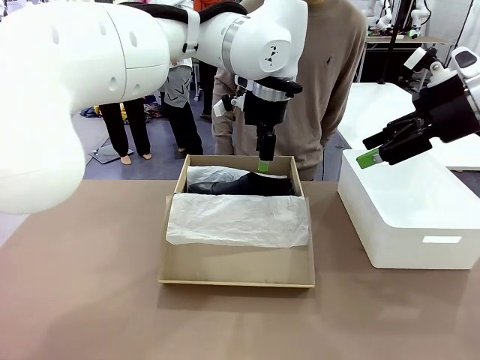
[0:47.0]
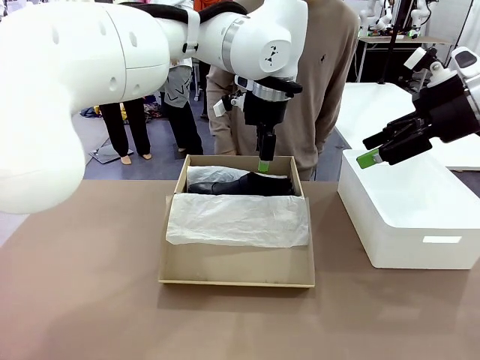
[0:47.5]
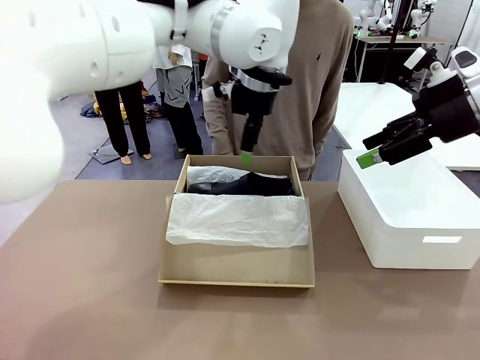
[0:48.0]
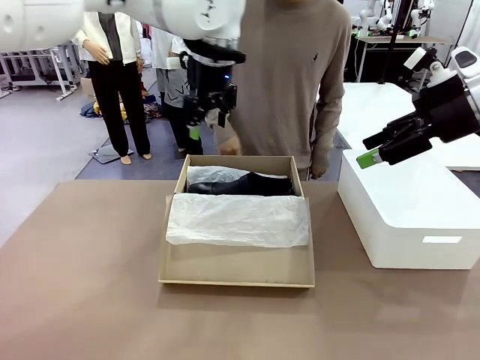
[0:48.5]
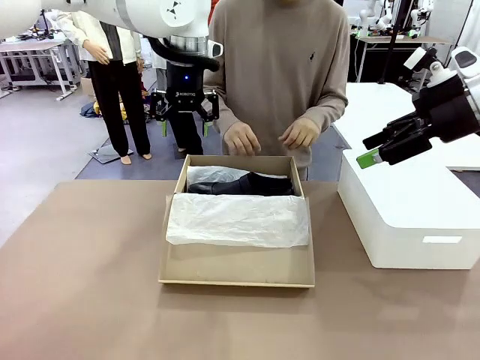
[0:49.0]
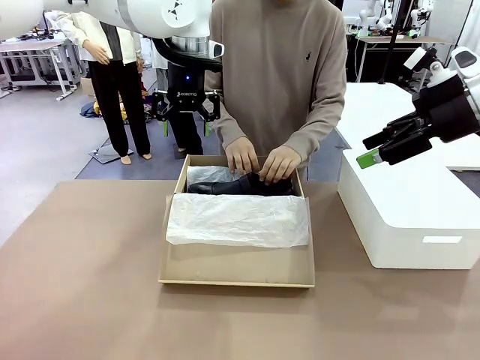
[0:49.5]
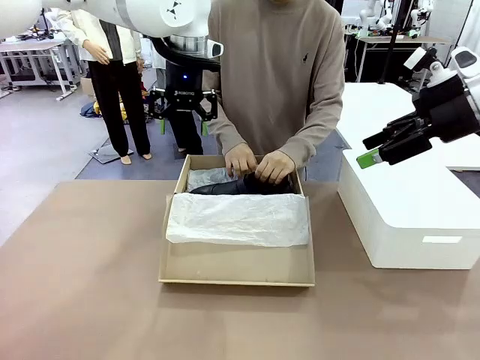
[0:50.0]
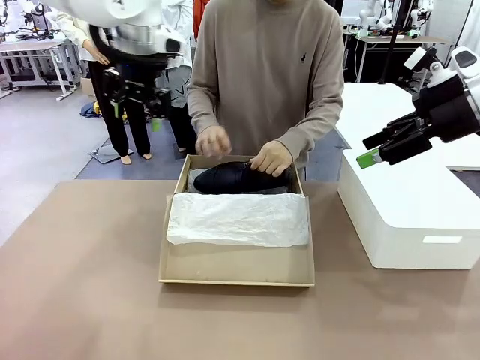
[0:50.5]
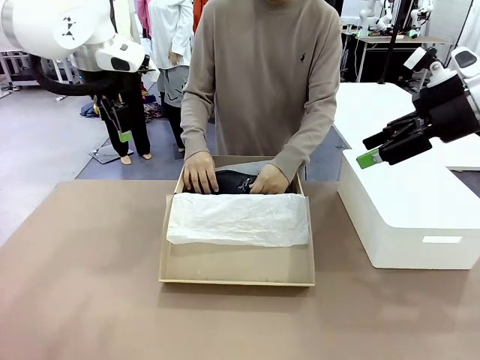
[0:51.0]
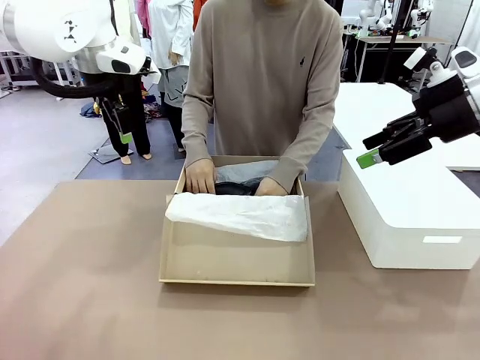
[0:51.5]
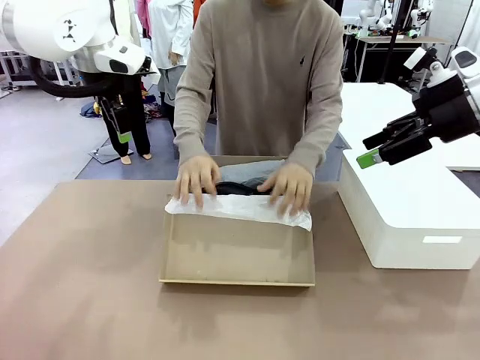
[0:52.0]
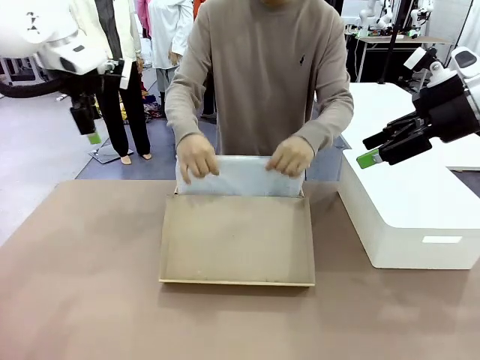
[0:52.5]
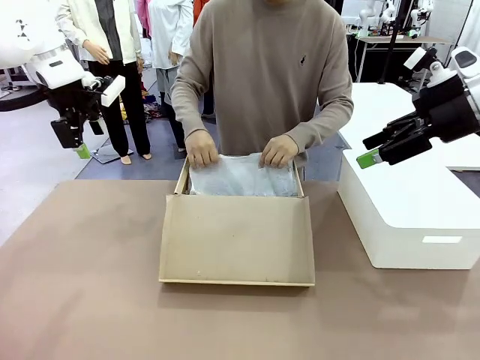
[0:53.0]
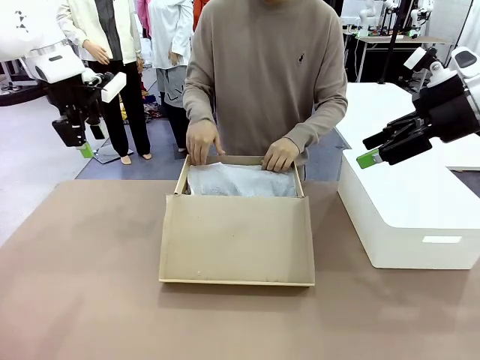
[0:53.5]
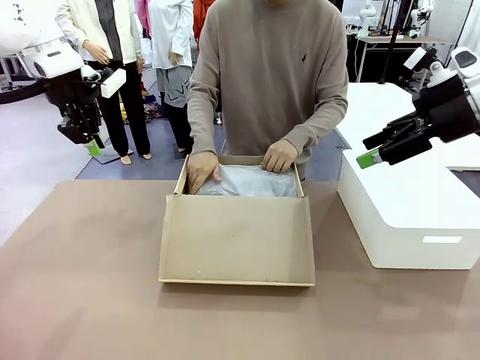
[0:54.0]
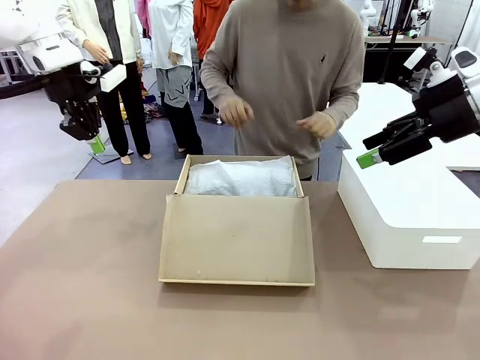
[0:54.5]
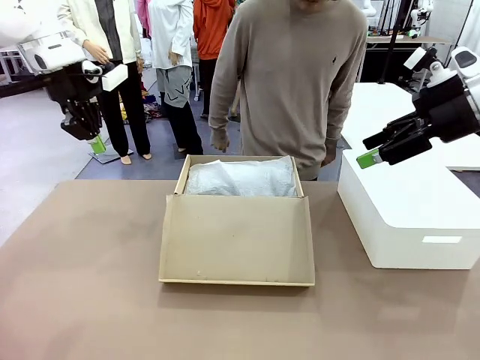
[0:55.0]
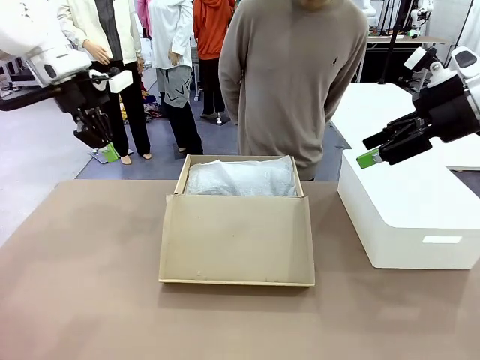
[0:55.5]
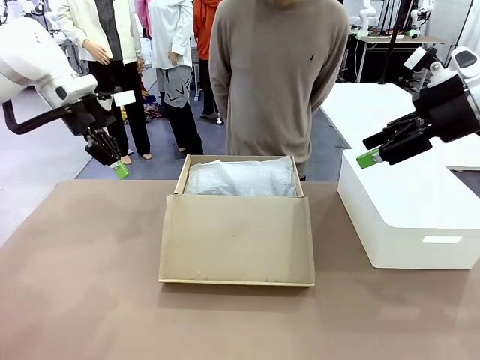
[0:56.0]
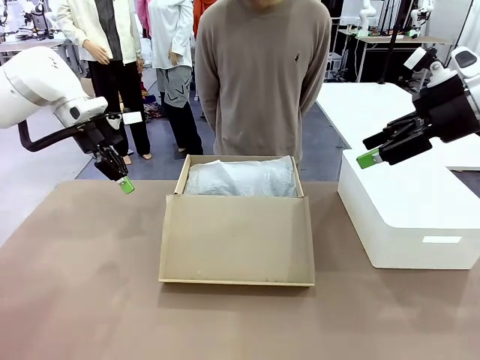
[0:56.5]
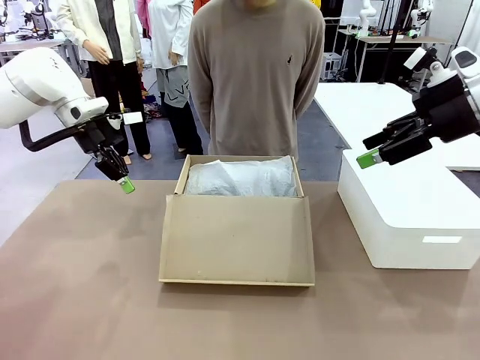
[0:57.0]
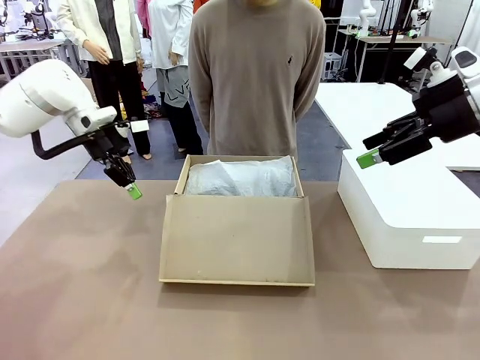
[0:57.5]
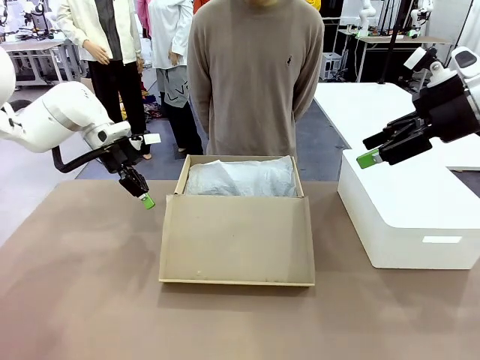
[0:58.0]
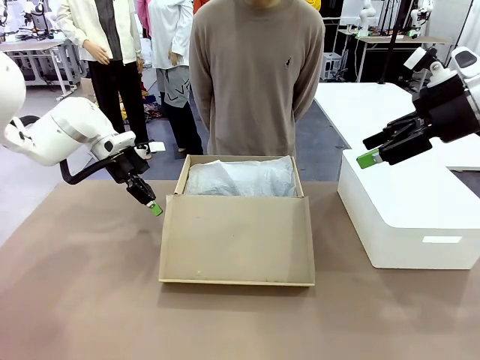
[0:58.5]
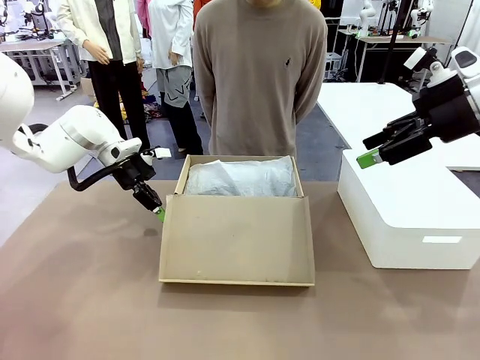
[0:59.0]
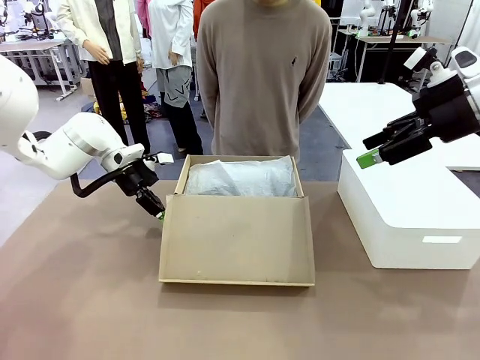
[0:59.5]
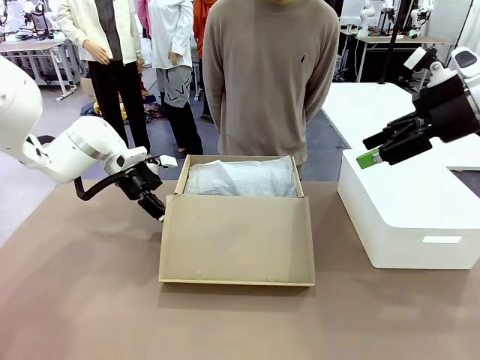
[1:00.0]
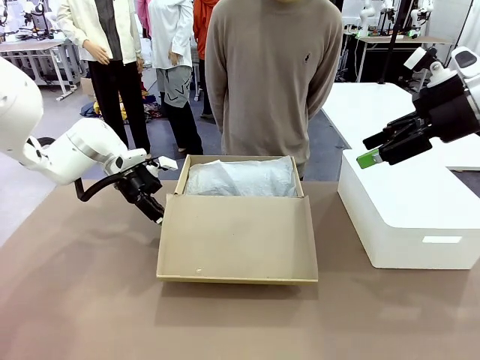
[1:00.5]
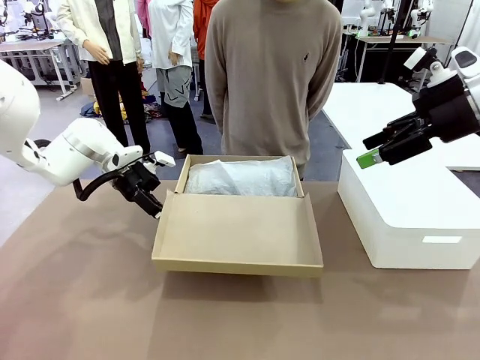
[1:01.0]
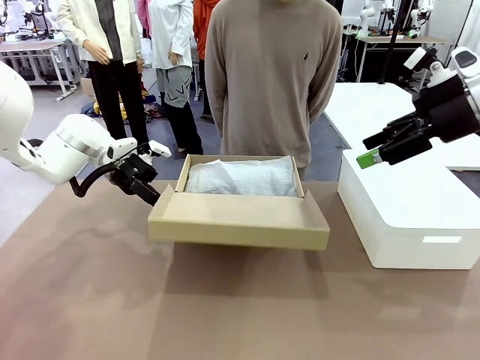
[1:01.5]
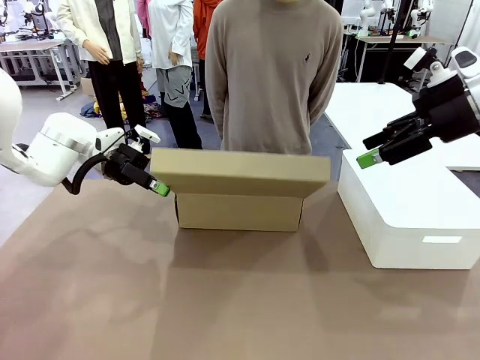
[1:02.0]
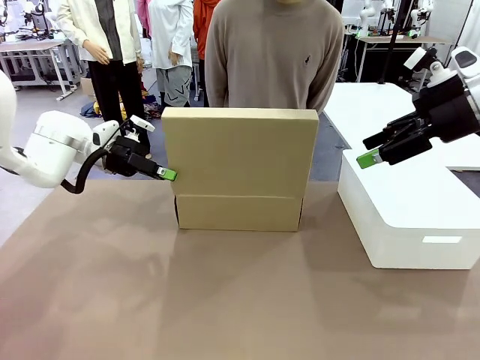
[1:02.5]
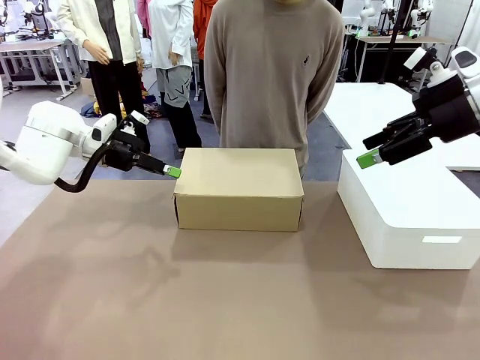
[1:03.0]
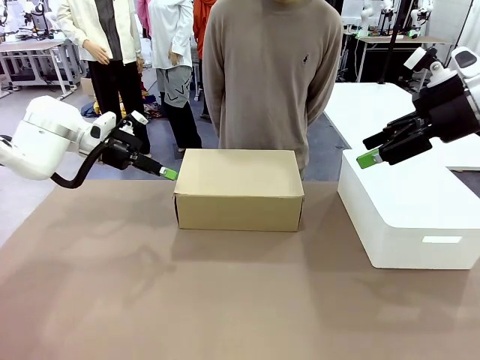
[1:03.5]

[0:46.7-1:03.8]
Task: Pack the shoes into the box.
Robot: Close the Shoes Box.

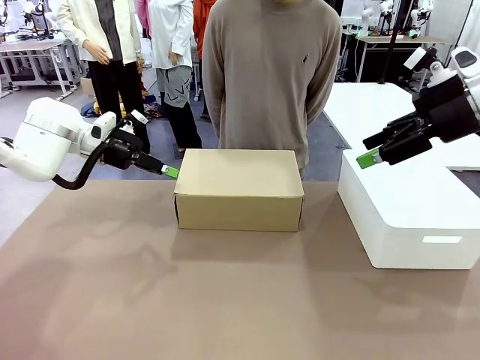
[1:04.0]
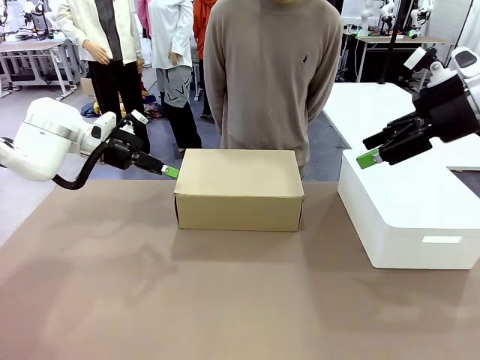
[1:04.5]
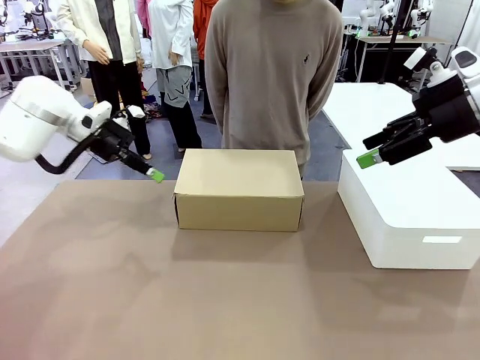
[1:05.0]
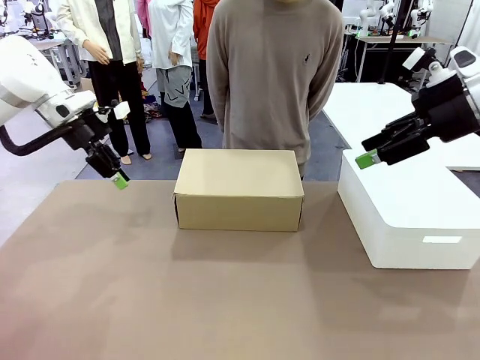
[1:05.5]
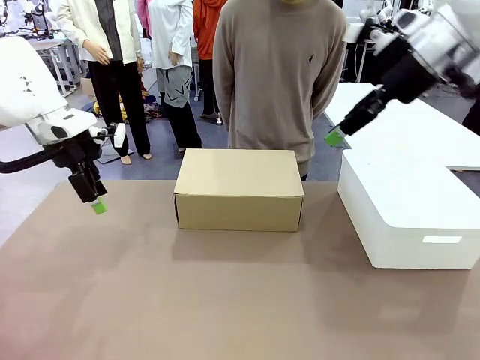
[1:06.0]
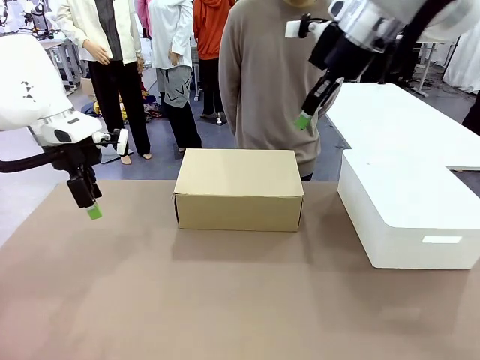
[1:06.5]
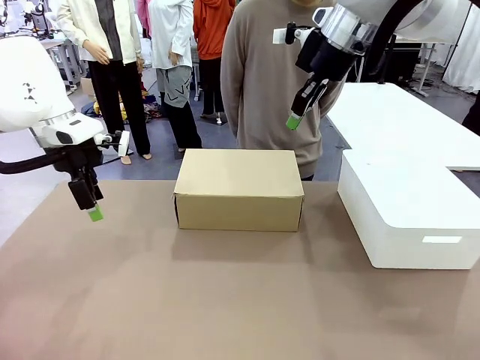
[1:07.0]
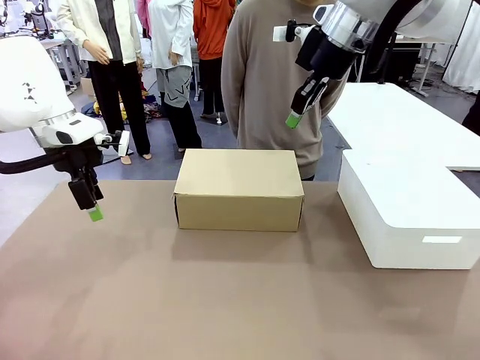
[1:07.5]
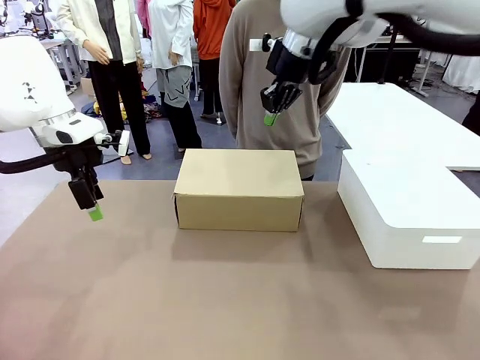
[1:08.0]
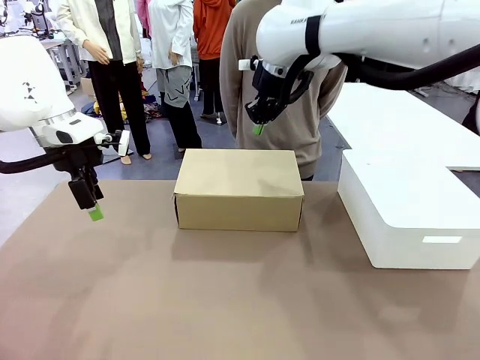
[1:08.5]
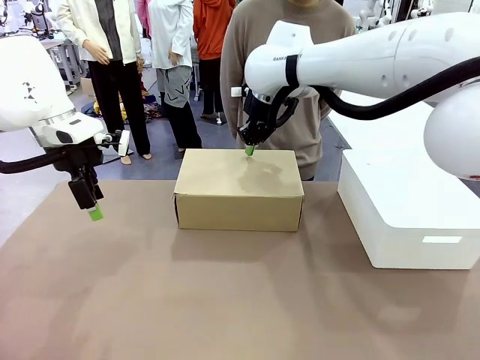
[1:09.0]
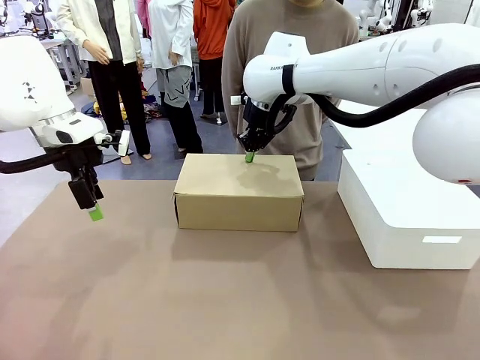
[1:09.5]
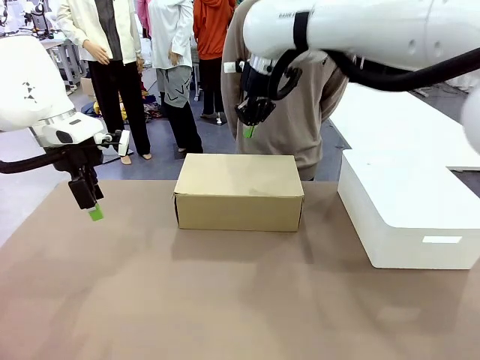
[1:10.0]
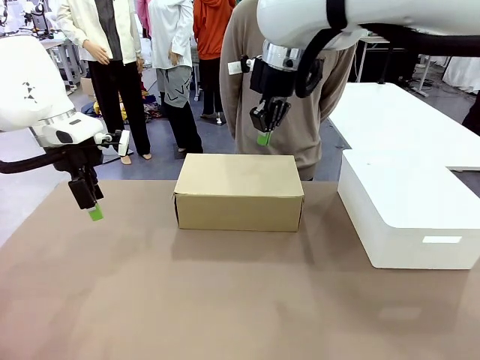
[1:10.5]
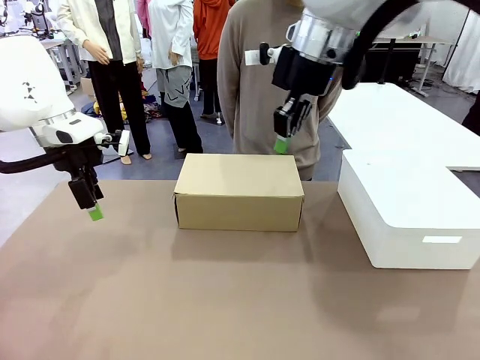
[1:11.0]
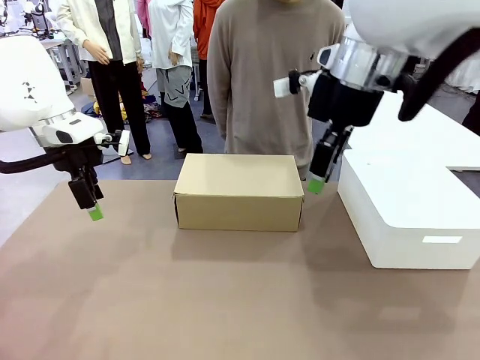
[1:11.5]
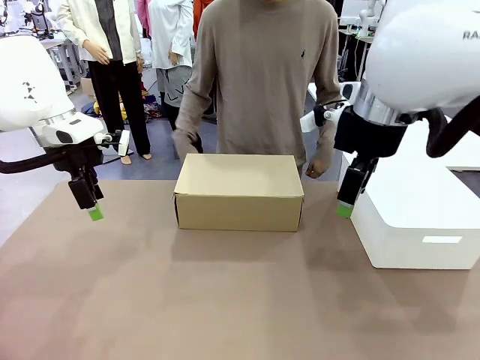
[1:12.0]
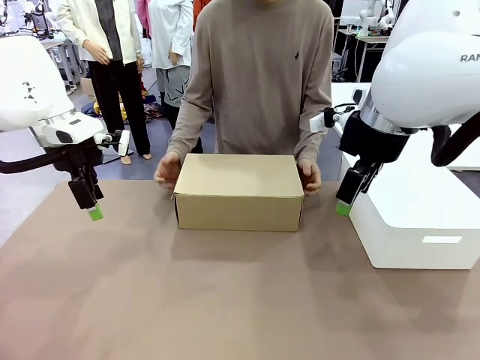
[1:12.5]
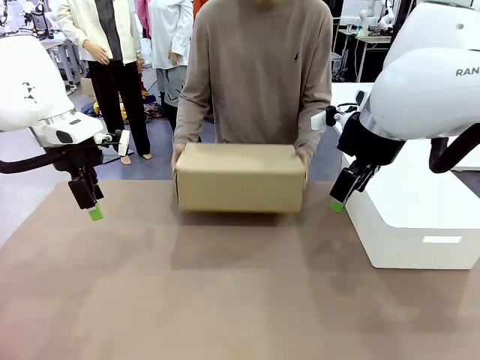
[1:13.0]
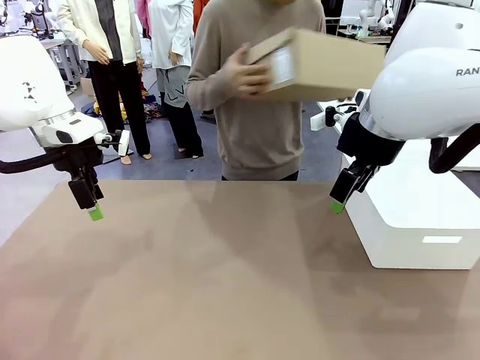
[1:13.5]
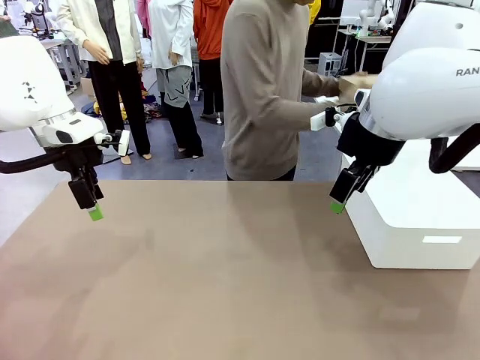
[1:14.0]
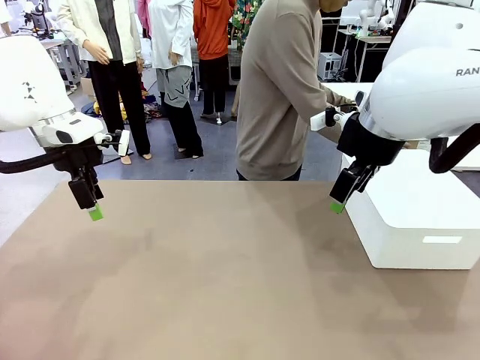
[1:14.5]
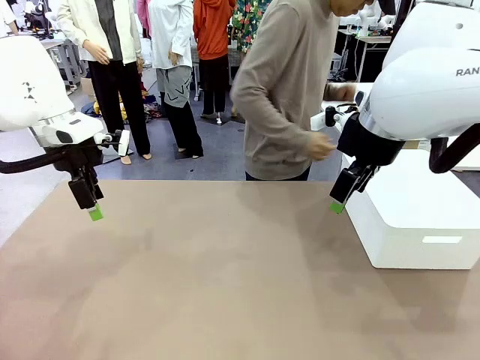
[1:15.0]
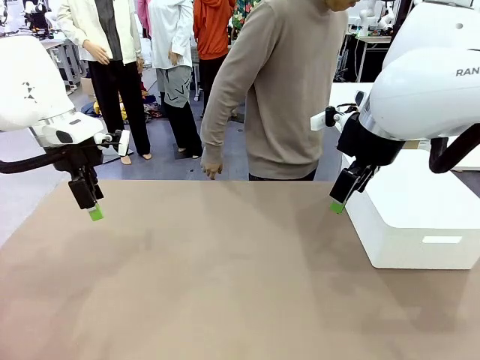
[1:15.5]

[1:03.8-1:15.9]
Robot: Press down on the lid of the Shoes Box.
Person: Place the closed Shoes Box to the right side of the human table.
